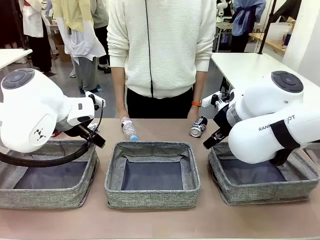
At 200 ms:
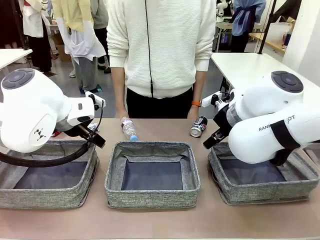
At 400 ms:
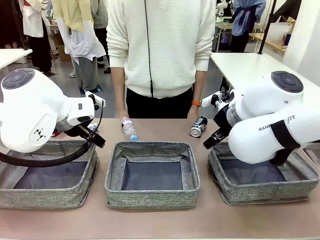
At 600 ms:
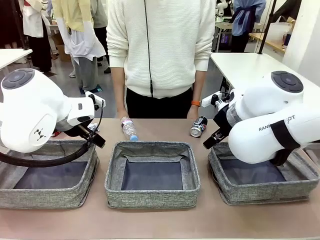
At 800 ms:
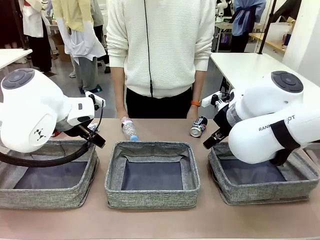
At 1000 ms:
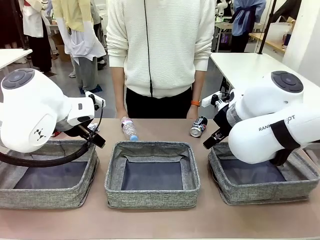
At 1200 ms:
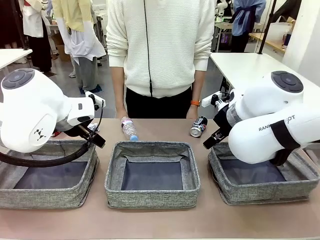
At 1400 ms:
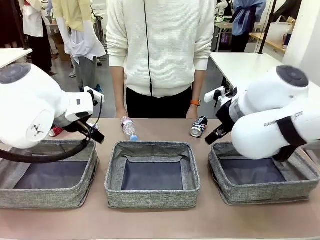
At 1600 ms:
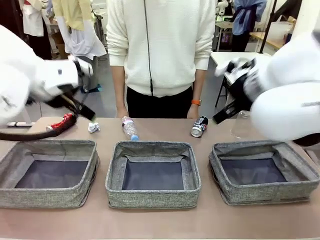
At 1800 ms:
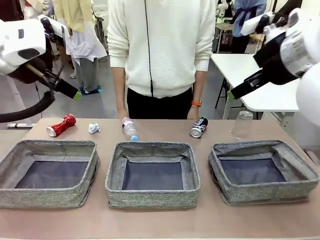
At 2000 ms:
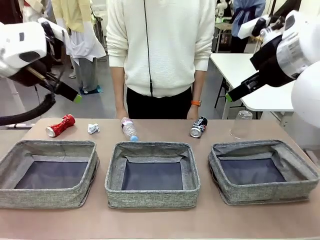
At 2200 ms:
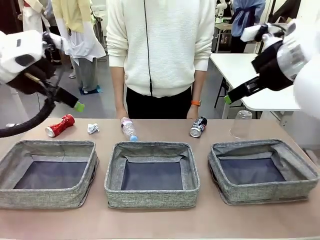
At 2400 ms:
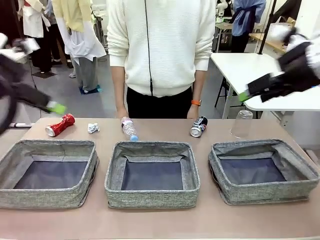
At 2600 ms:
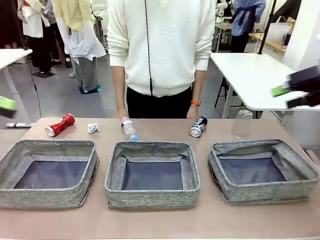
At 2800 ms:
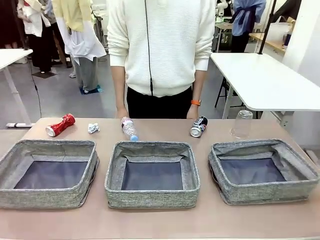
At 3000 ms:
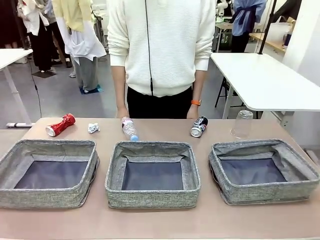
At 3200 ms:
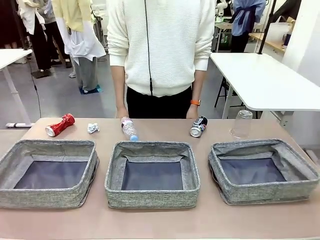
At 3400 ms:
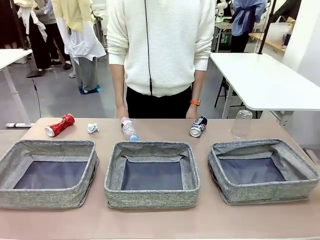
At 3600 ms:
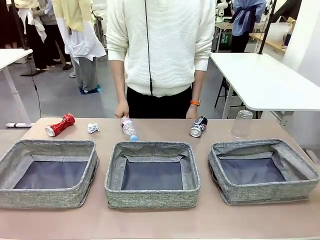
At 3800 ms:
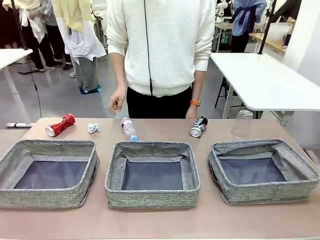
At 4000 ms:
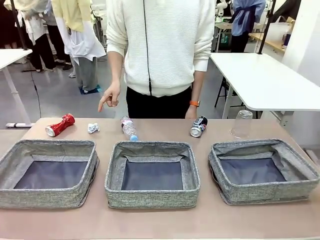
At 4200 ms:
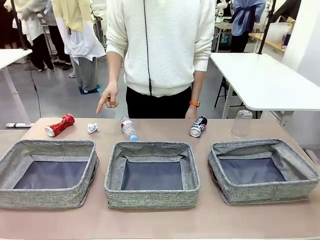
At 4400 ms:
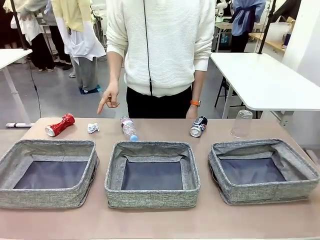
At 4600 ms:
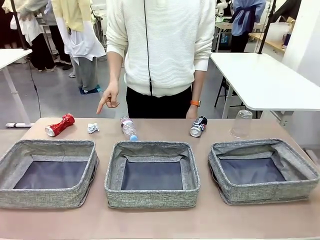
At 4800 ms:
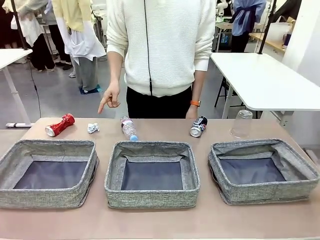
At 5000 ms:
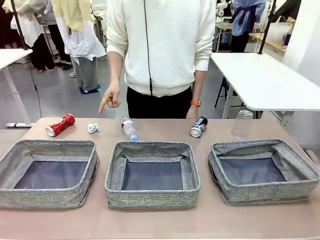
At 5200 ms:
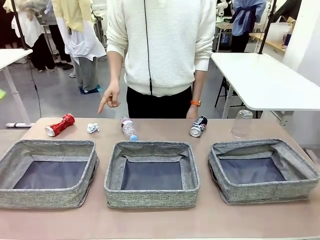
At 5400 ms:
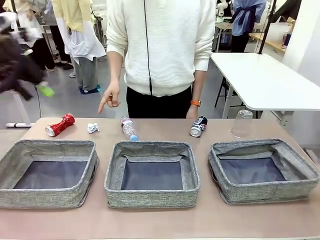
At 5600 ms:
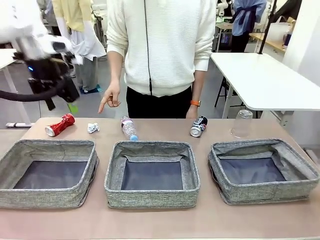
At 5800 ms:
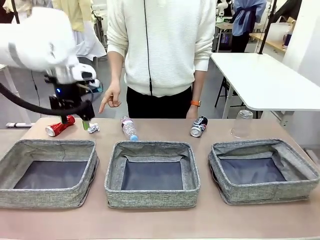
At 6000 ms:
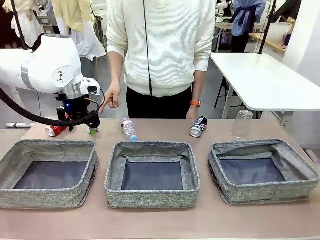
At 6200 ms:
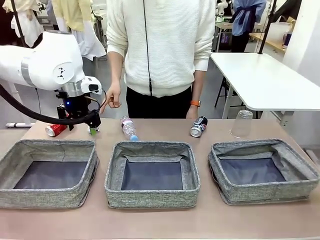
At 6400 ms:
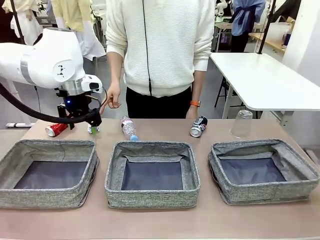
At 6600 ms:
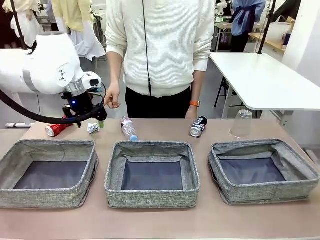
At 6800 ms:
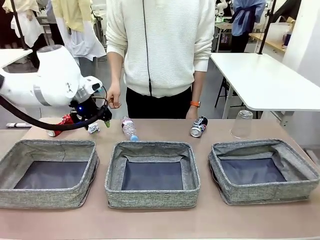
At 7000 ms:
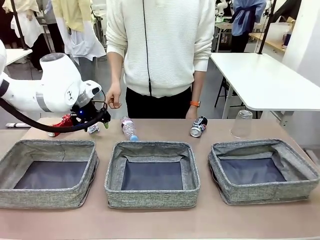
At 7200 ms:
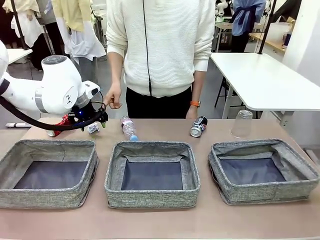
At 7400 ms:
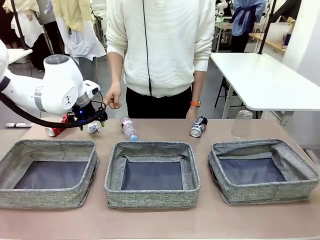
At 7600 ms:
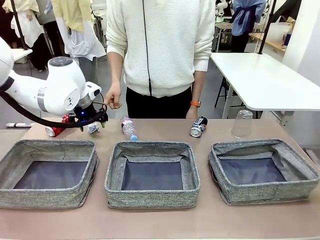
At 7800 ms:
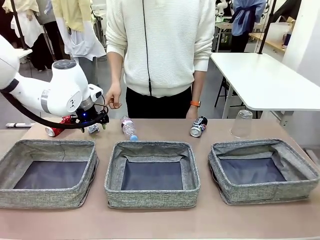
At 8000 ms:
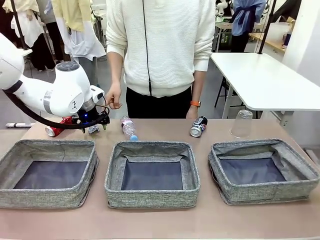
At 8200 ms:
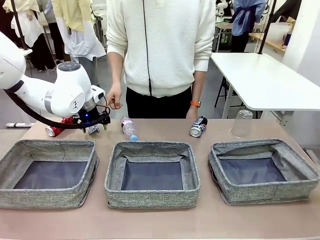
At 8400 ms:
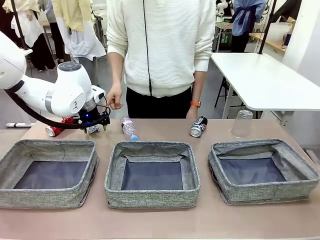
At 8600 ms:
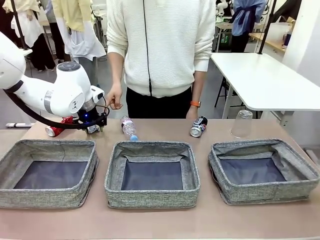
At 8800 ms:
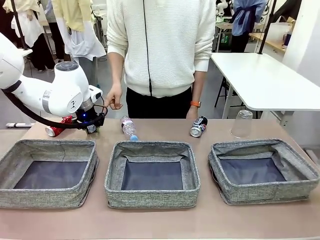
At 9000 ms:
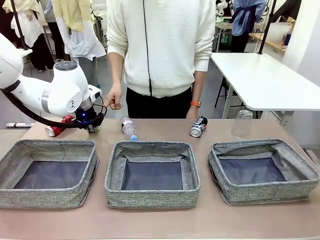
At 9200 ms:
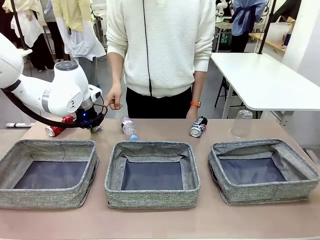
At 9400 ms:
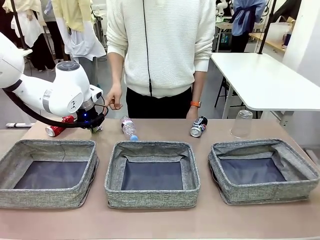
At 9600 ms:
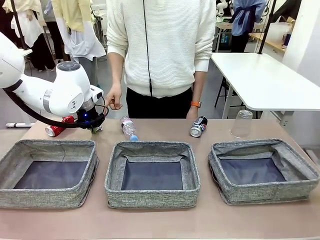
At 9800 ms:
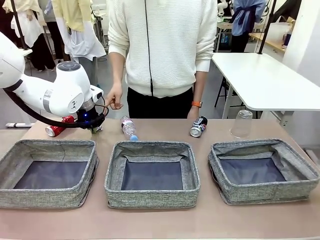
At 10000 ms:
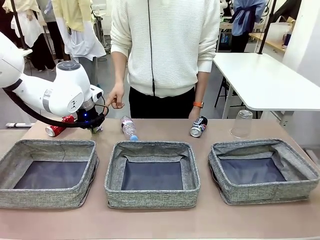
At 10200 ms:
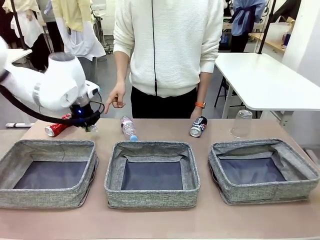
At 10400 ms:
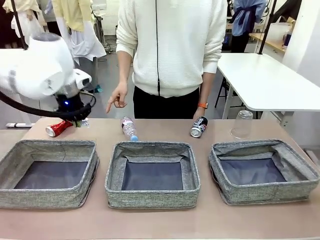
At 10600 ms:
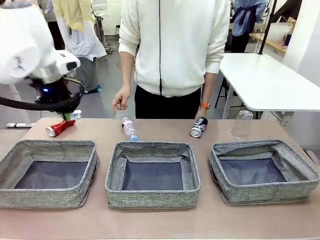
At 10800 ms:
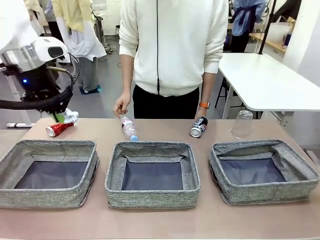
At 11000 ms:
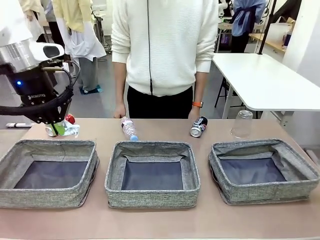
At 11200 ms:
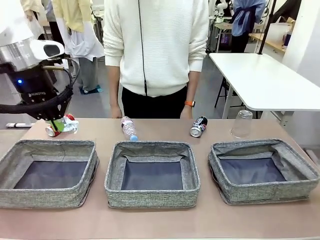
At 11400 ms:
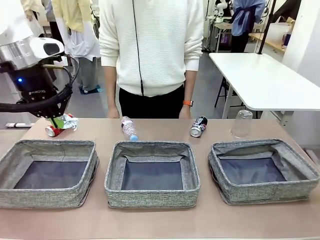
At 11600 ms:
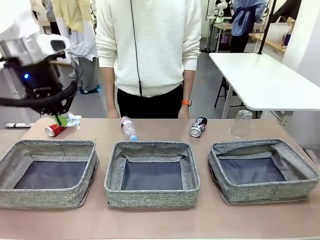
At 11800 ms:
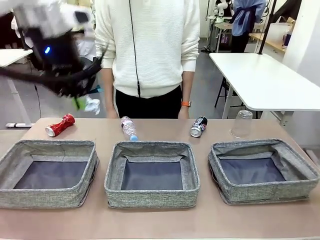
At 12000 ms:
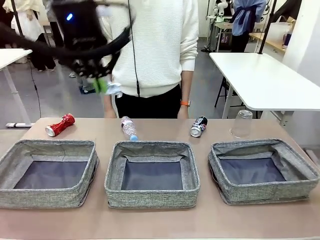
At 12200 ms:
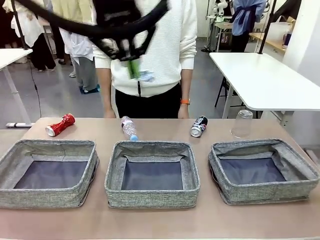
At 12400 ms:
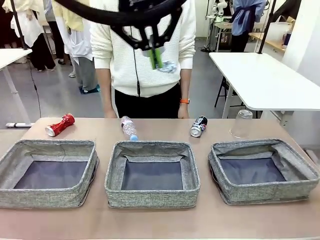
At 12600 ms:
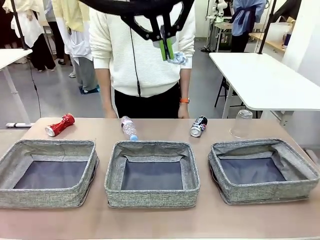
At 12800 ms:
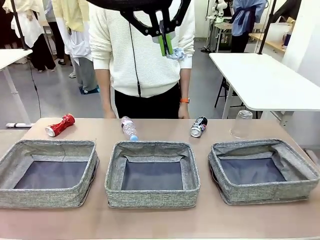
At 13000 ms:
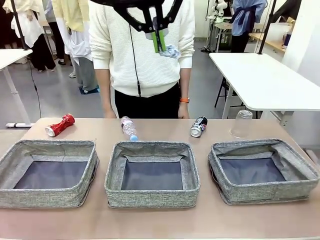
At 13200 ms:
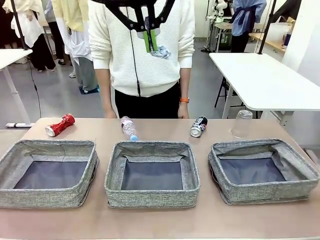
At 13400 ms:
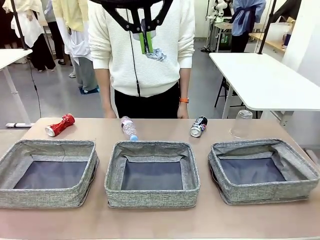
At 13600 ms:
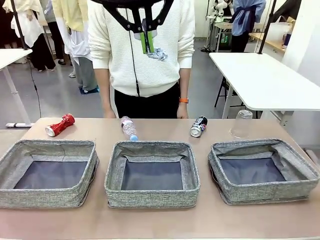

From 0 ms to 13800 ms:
Task: Sort the waste into the appropriate baskets.
Robot: Pick up the waste item pointed out by the person.
Person: Points to one piece of trash on the table.

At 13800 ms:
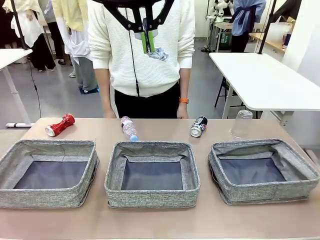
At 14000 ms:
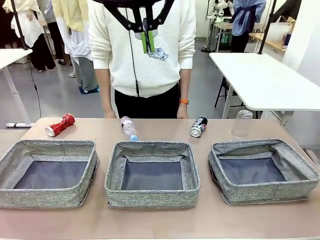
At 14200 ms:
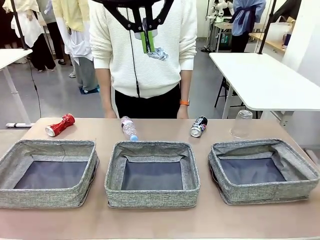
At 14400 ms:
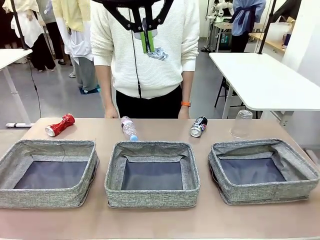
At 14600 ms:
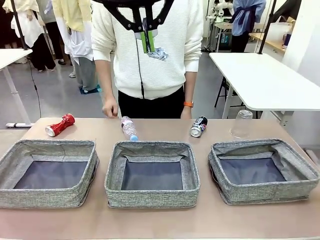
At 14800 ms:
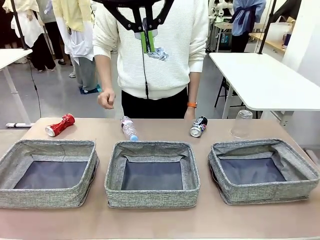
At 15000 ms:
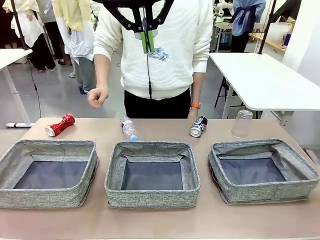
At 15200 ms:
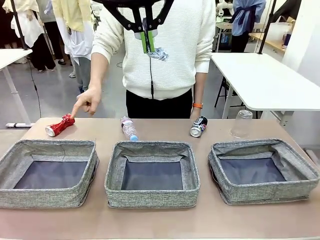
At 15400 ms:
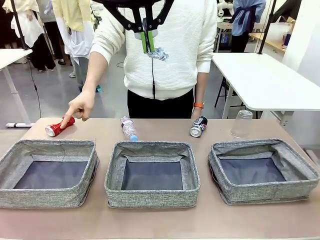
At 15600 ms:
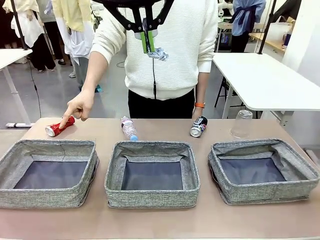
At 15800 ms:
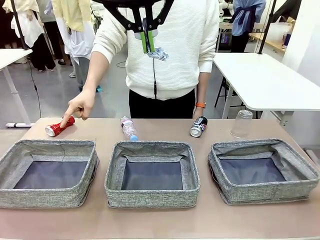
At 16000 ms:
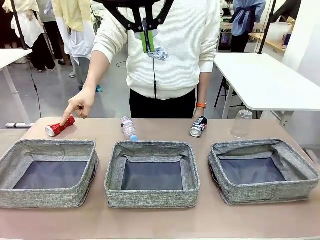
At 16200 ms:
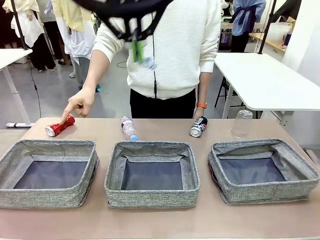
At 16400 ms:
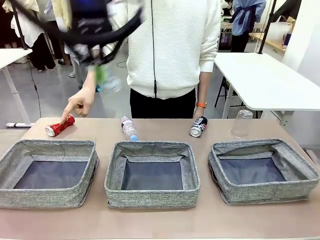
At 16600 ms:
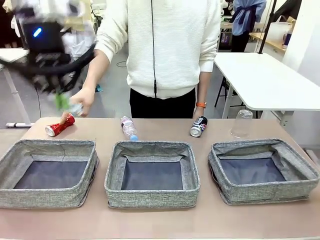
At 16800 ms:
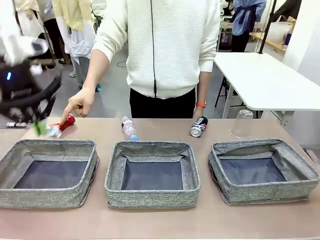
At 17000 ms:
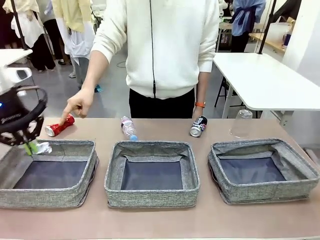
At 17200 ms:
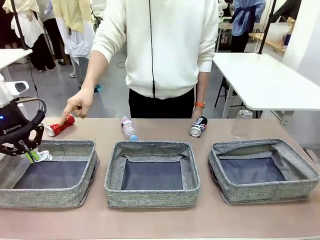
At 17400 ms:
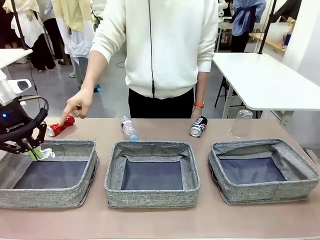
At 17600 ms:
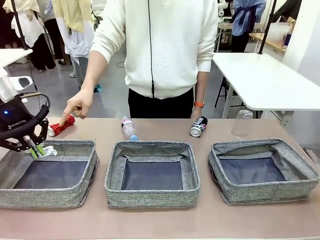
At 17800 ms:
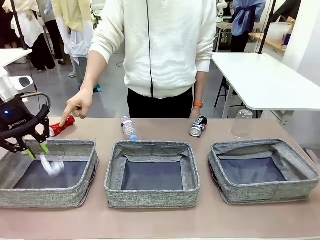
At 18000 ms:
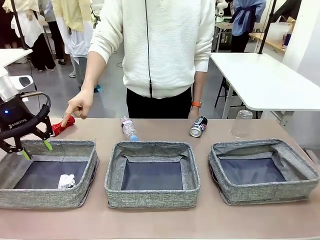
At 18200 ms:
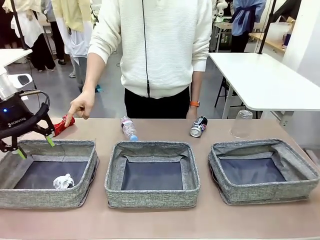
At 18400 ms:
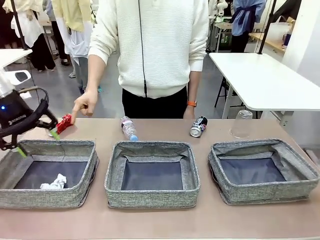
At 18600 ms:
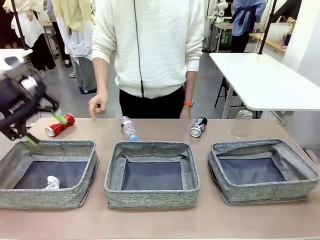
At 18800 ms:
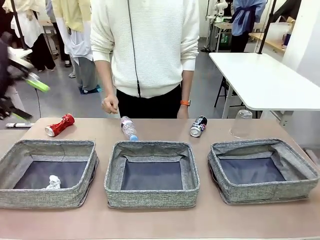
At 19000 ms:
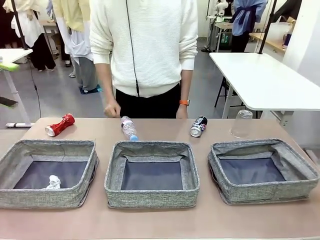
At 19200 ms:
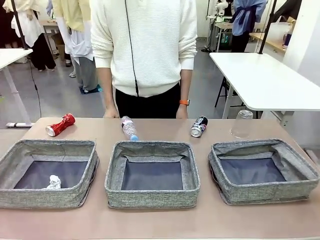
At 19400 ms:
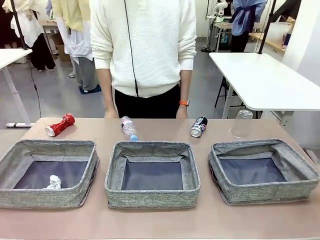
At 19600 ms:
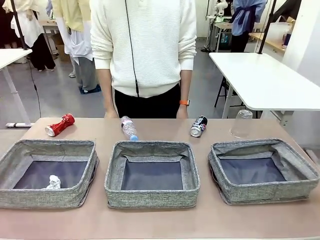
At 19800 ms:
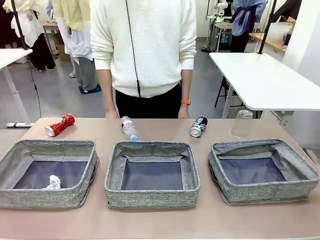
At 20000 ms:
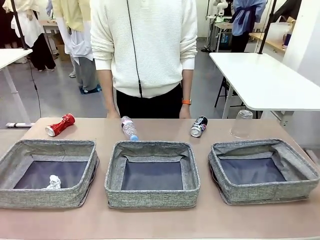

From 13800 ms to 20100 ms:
Robot: Place the picked waste into the Fabric basket indicated by the person.
Person: Instructs the robot to place the picked-up trash into the appropriate organizing basket.

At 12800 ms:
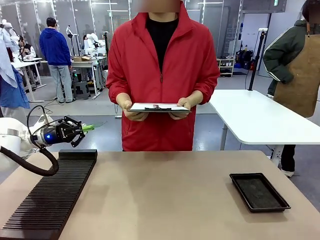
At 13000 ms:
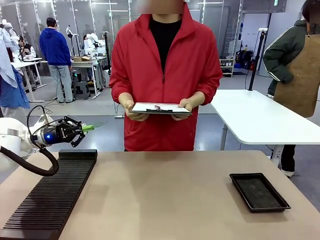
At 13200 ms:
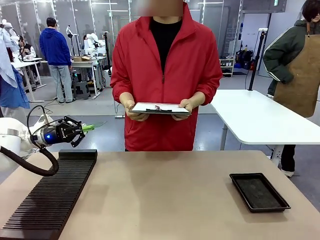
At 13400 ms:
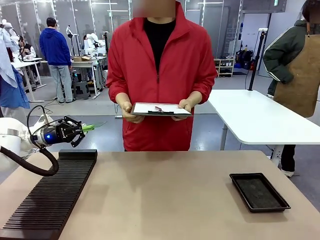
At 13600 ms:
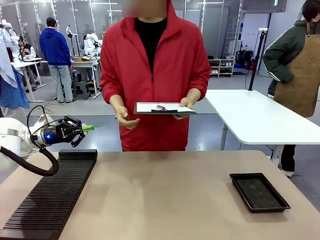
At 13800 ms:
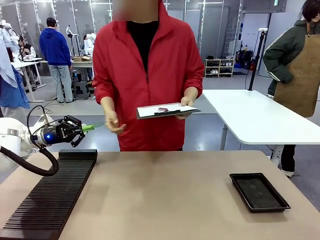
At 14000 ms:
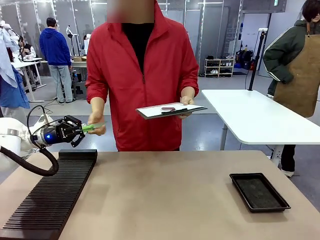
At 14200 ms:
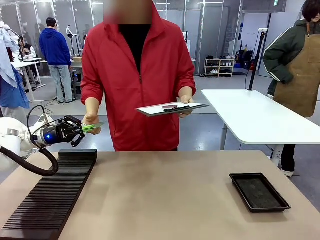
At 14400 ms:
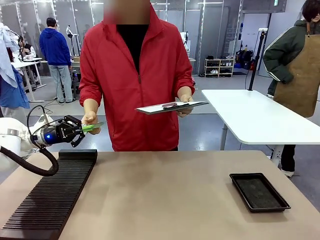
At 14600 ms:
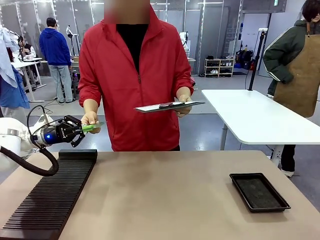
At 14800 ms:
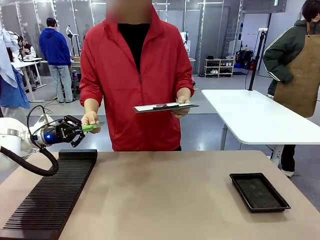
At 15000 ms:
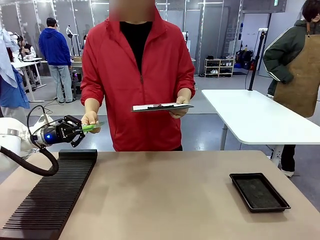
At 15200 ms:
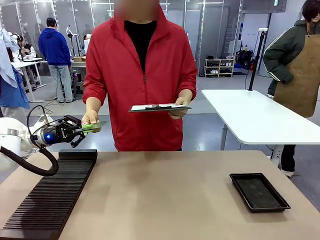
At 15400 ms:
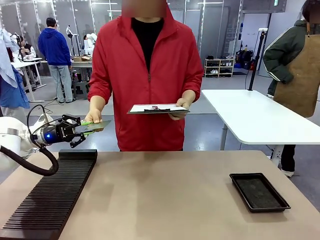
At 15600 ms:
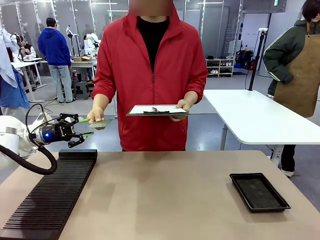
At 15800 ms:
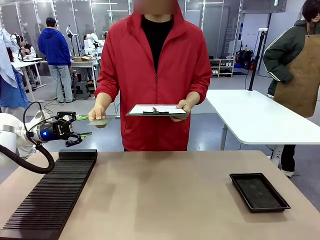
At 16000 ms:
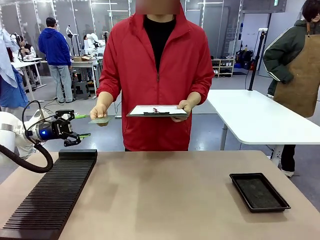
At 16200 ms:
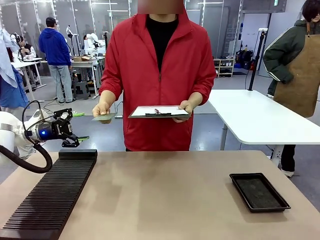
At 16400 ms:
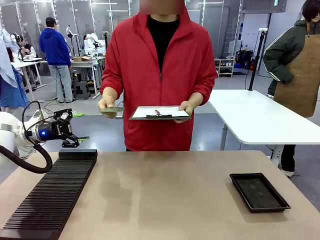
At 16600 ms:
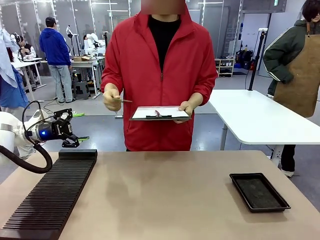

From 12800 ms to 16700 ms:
Task: Inspect the PCB.
Robot: Release the Blank PCB you were holding.
